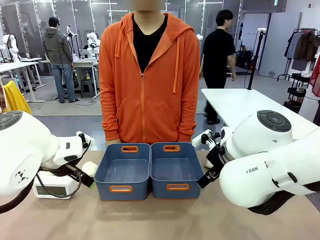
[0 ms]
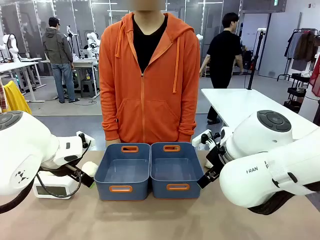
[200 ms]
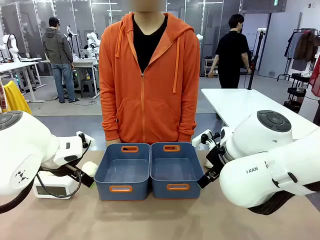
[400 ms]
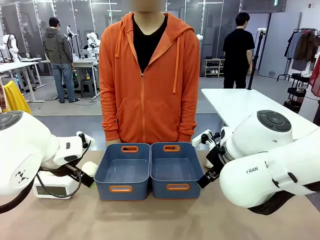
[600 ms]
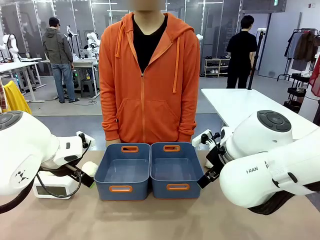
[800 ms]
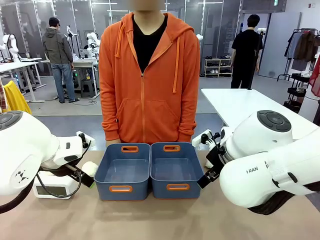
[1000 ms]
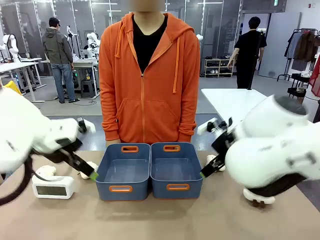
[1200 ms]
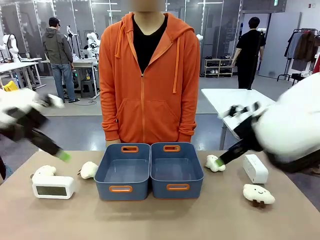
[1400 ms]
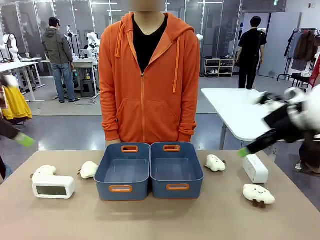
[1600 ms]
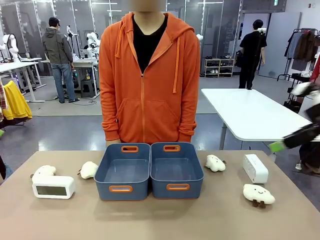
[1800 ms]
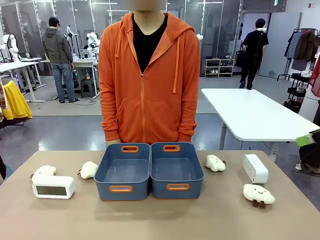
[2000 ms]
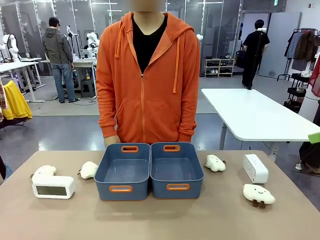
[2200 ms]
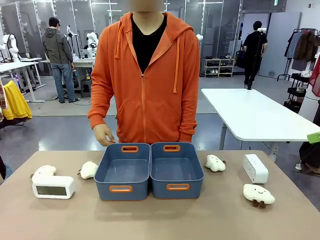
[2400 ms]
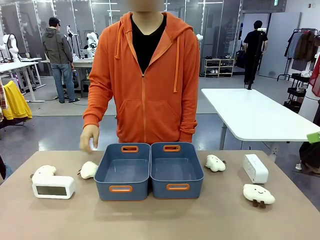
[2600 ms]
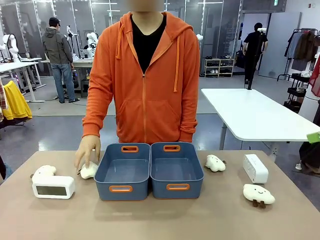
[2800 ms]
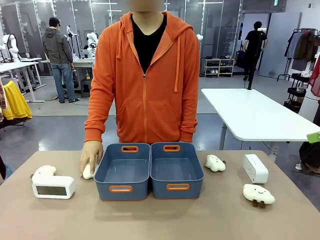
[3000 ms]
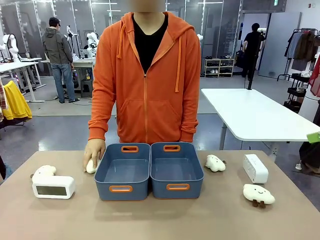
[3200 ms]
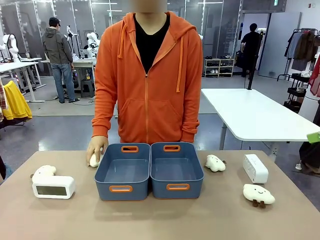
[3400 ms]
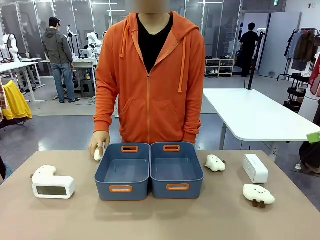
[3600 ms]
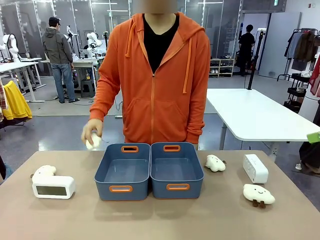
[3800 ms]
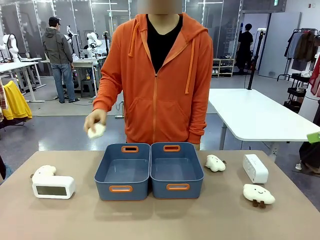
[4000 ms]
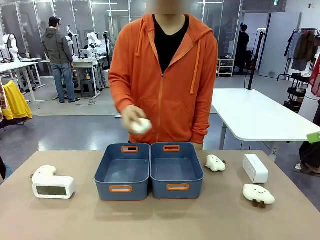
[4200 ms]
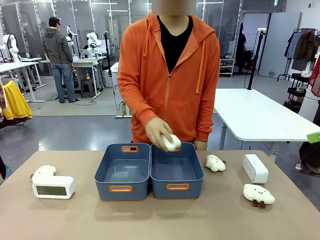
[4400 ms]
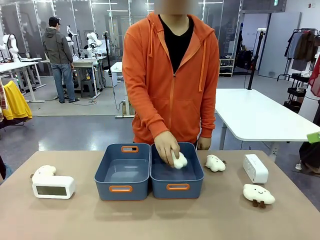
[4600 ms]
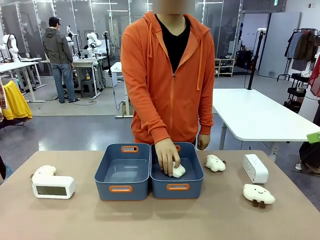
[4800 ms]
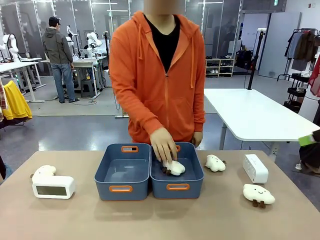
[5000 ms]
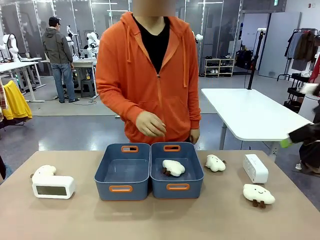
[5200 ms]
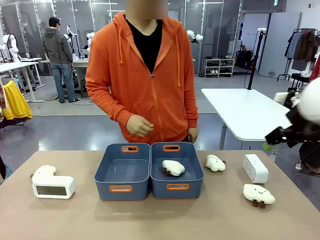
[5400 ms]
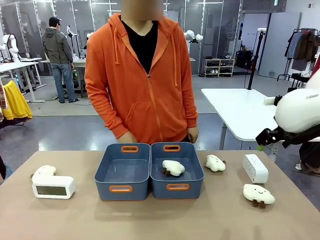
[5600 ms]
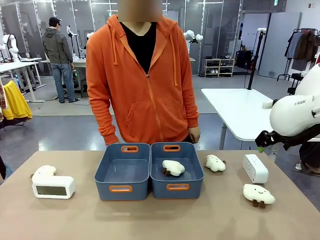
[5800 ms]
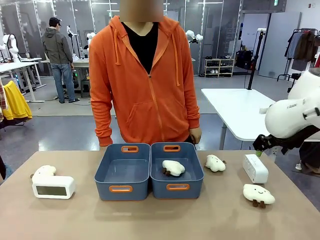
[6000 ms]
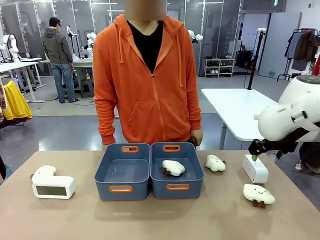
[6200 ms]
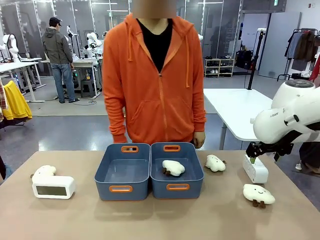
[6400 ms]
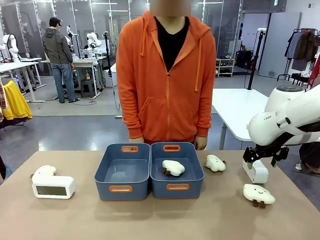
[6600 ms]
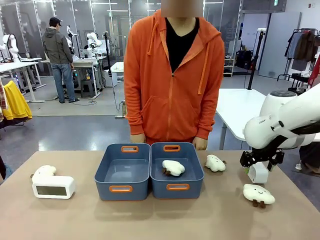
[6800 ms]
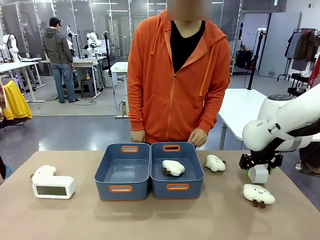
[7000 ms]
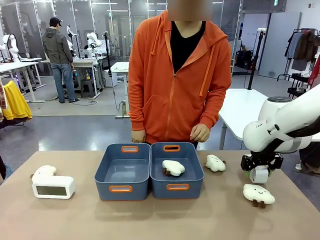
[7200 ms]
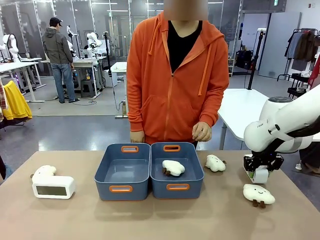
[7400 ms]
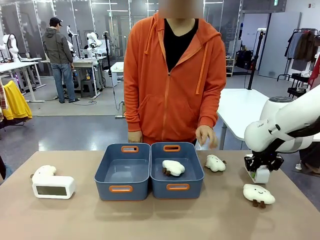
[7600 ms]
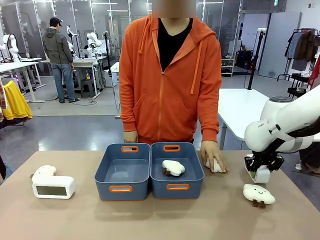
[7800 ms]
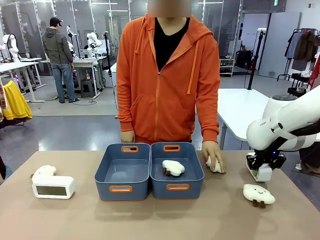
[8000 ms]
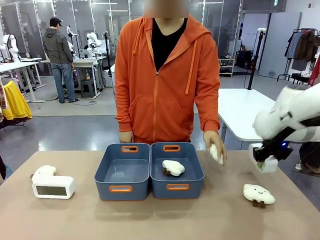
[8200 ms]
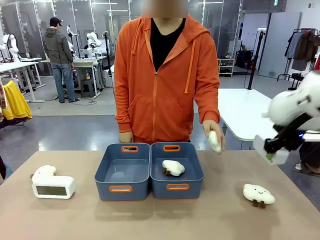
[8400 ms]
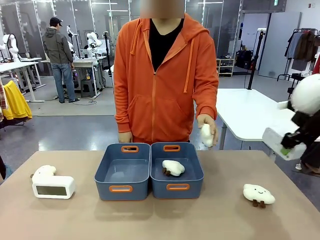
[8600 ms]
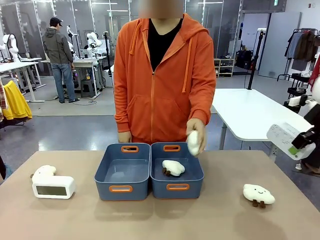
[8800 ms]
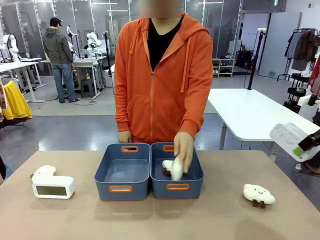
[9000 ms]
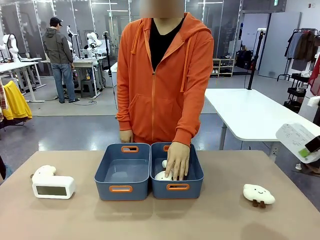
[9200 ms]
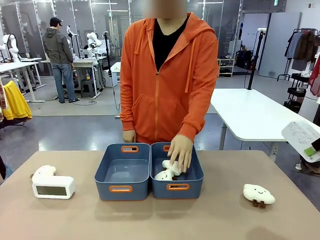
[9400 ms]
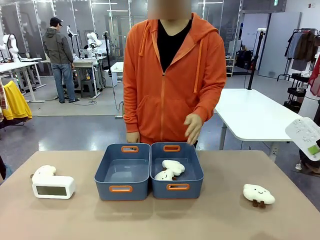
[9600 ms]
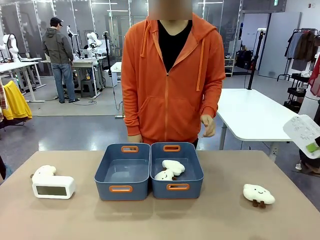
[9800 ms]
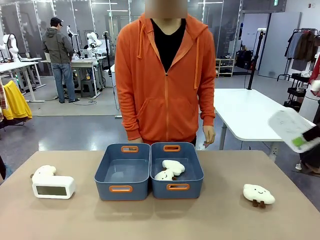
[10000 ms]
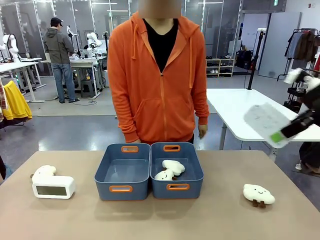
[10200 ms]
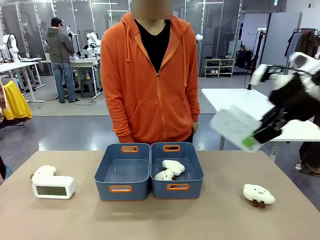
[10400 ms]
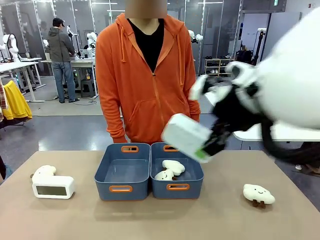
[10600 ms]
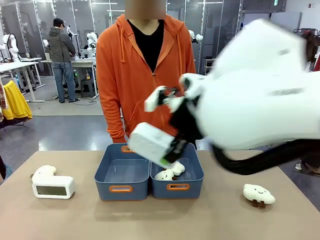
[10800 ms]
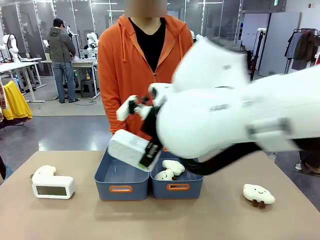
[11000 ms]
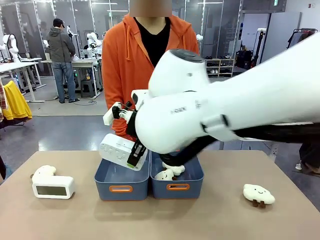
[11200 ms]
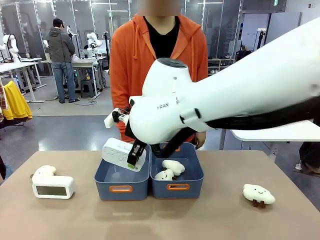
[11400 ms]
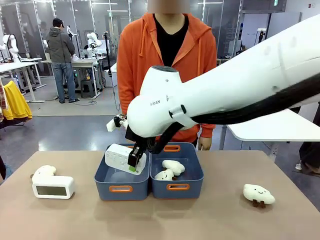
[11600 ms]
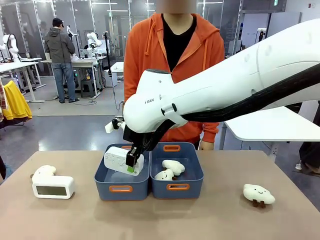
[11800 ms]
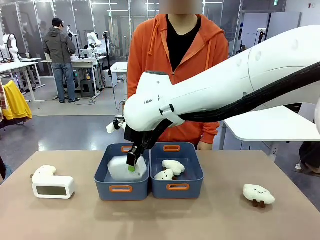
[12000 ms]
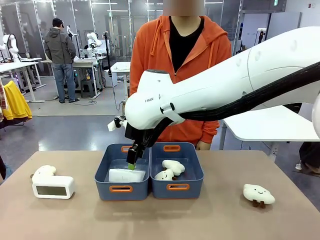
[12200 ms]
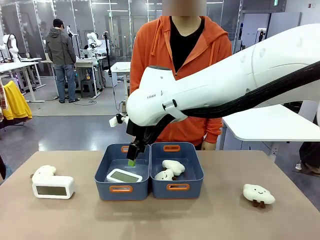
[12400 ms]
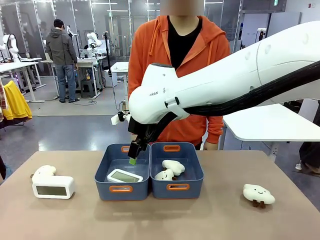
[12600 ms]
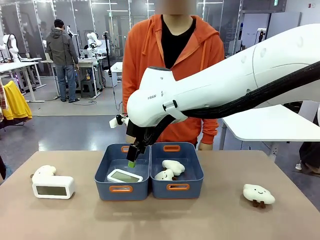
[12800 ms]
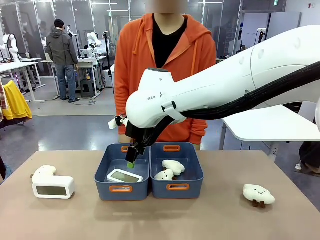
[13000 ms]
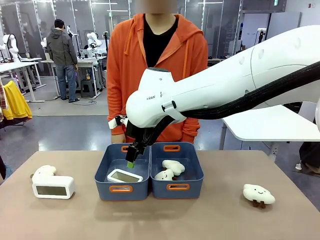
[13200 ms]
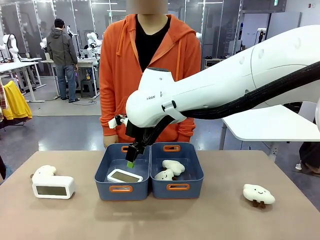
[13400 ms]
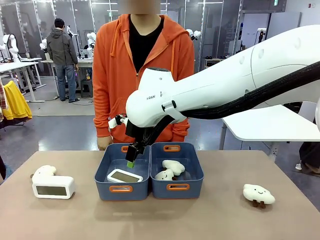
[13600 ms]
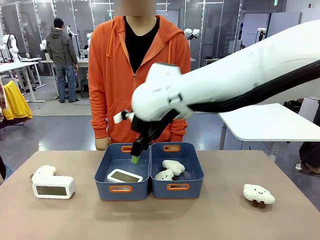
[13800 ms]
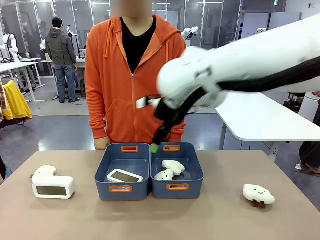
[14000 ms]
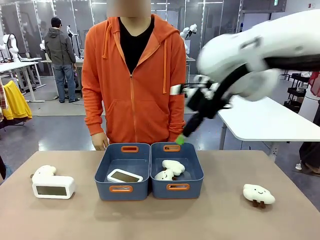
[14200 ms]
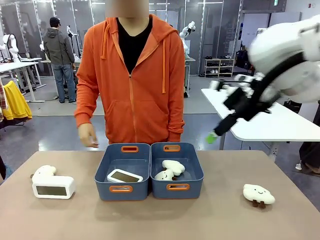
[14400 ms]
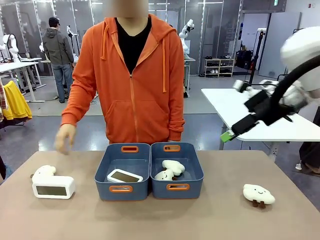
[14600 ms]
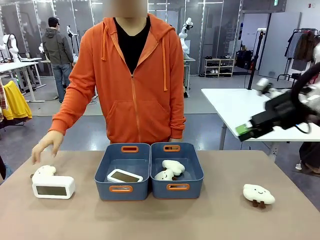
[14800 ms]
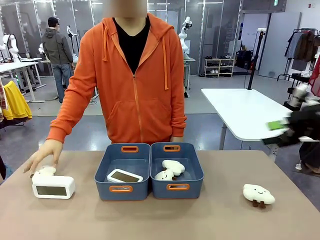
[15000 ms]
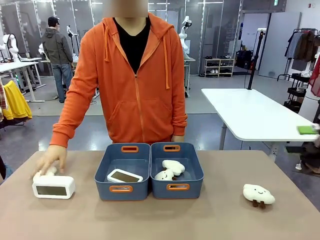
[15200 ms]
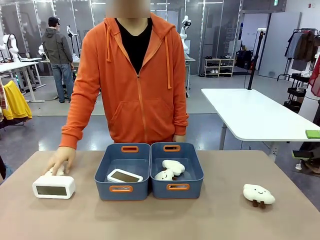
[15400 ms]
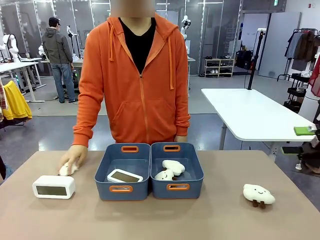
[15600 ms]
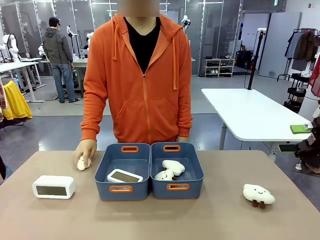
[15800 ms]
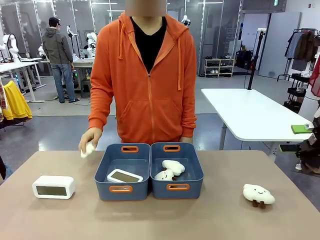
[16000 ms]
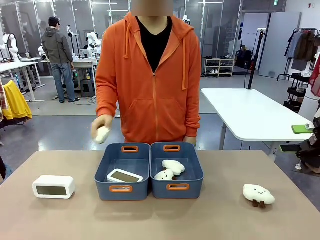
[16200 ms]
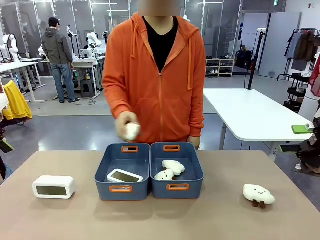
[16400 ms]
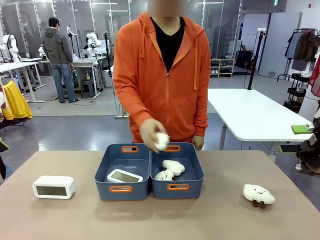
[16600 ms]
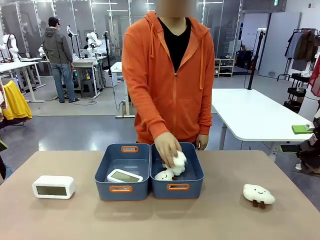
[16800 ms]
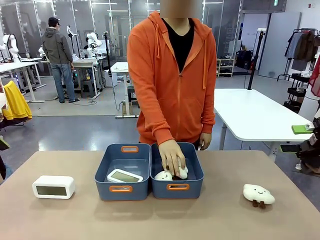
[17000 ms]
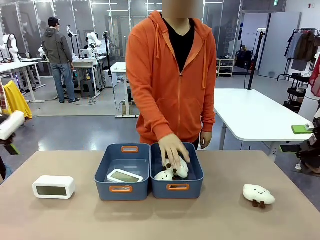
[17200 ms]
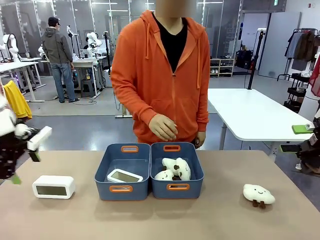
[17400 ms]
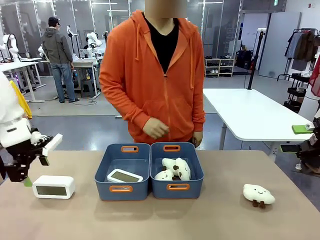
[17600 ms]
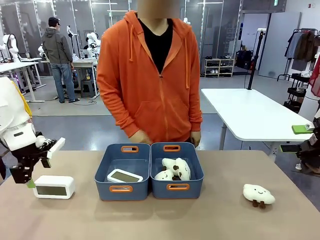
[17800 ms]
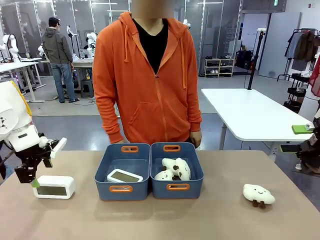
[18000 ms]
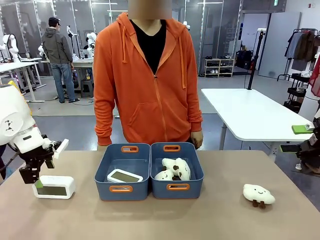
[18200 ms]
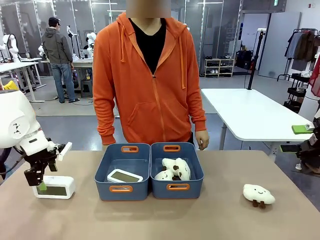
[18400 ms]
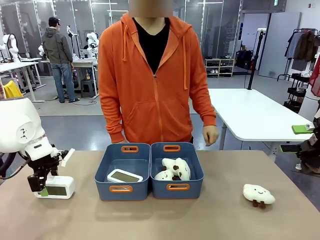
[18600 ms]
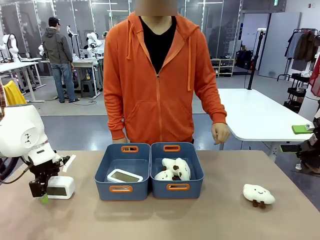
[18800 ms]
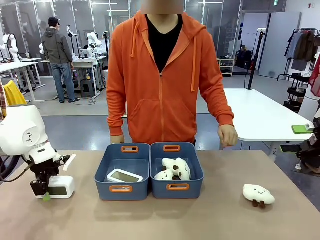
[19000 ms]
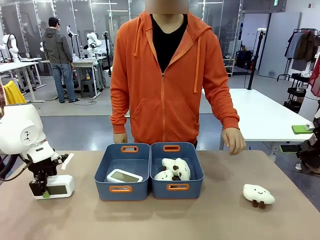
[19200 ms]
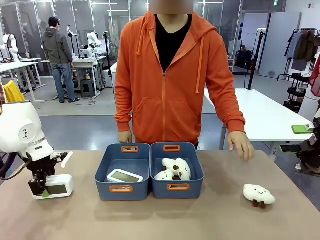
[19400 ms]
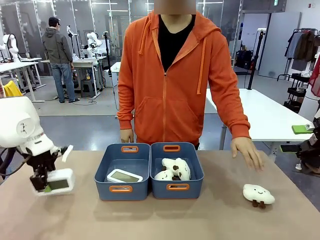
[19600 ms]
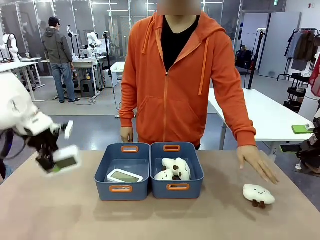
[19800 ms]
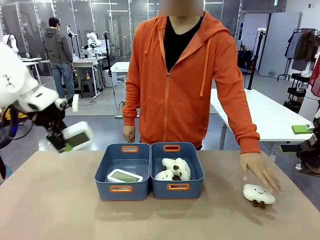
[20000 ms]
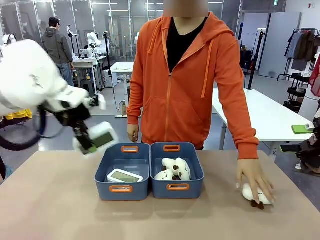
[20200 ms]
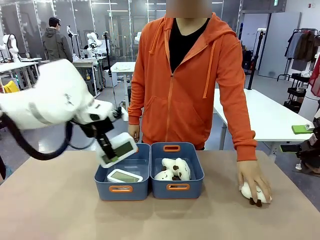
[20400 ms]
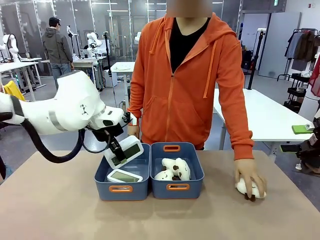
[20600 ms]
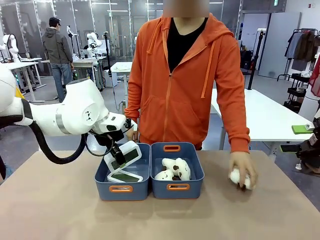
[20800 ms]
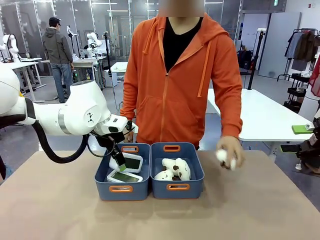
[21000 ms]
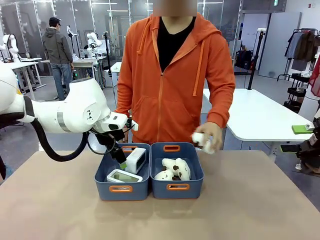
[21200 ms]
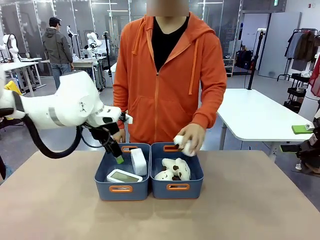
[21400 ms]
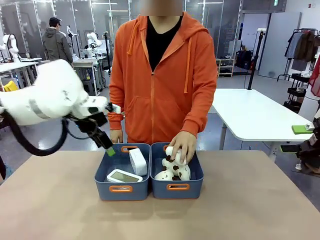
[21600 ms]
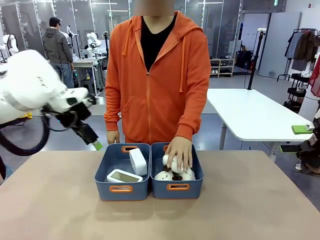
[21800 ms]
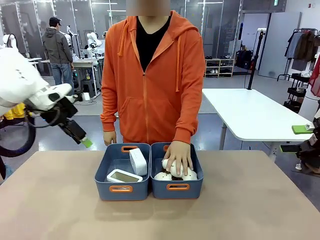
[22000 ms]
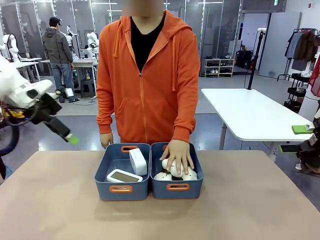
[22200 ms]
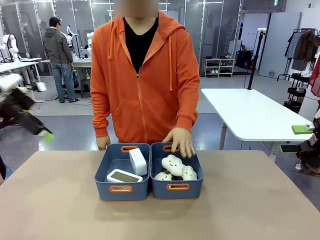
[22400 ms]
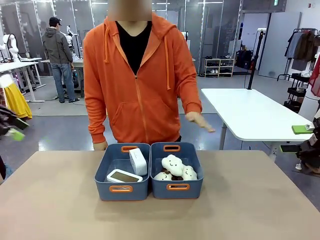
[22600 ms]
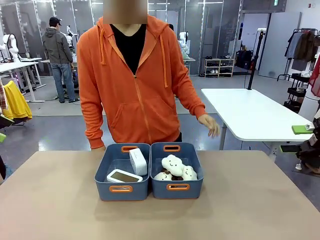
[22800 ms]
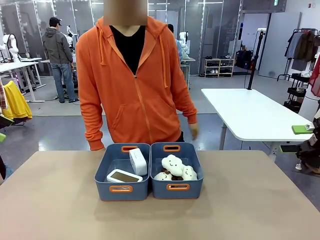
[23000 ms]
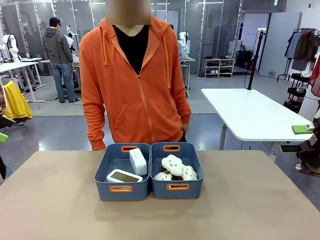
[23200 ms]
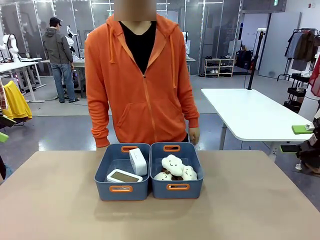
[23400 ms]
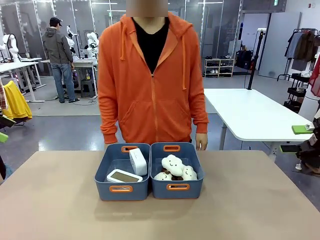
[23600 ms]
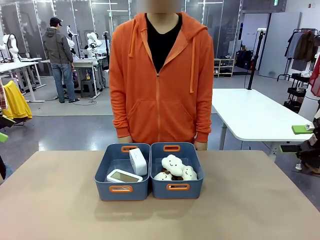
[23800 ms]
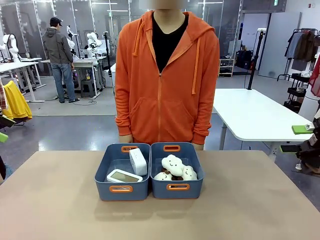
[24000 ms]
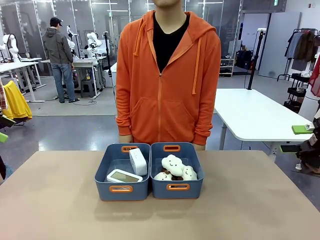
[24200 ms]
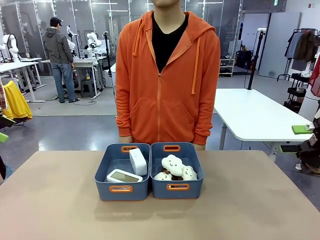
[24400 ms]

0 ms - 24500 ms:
Task: Sort the digital clocks into the basket.
Robot: Pick up the Digital clock from the table and place it into the empty Plastic storage basket.
Person: Pick up a plush toy from the table and place it in a plastic storage basket. Pick up a plush toy from the table and place it in the plastic storage basket containing the plush toy.
